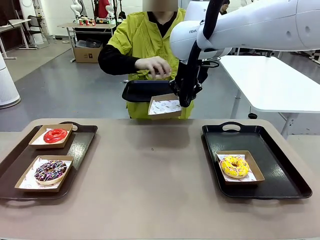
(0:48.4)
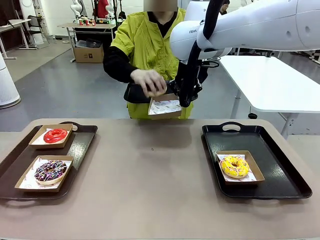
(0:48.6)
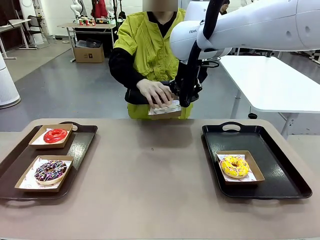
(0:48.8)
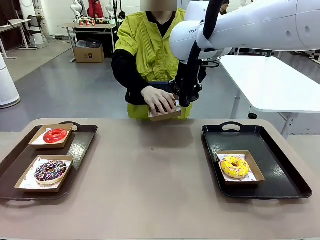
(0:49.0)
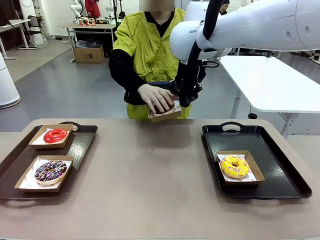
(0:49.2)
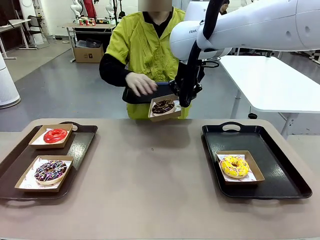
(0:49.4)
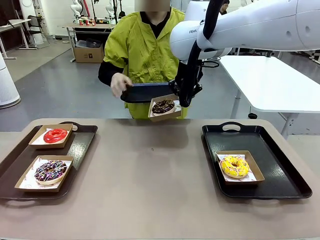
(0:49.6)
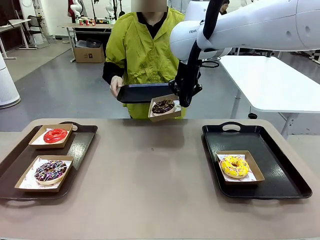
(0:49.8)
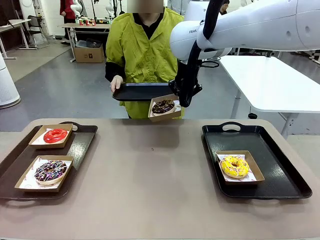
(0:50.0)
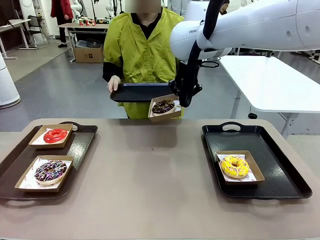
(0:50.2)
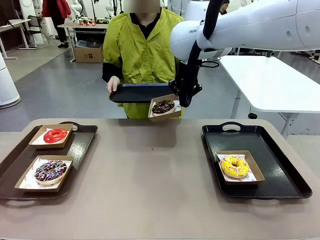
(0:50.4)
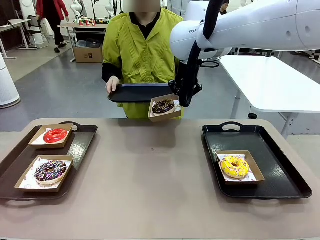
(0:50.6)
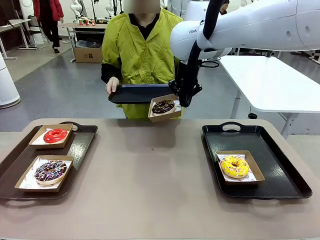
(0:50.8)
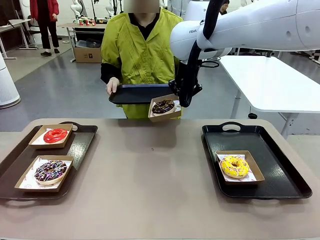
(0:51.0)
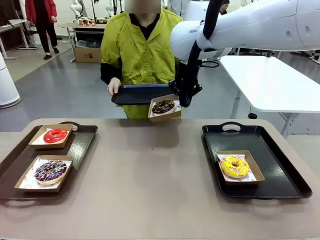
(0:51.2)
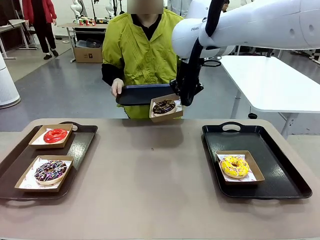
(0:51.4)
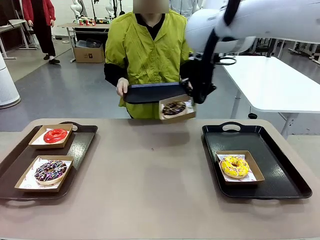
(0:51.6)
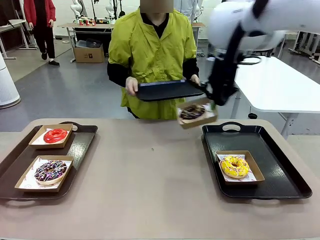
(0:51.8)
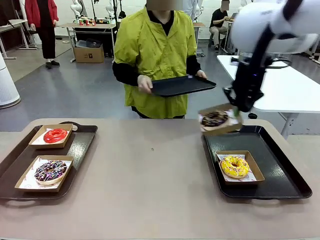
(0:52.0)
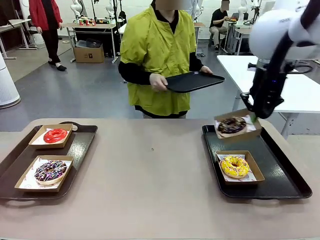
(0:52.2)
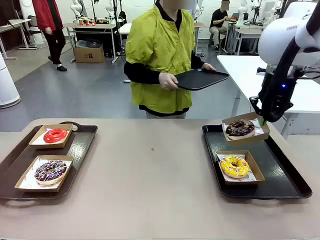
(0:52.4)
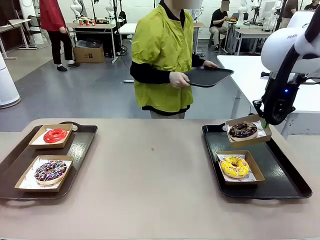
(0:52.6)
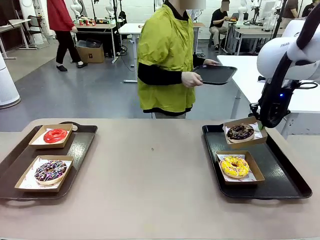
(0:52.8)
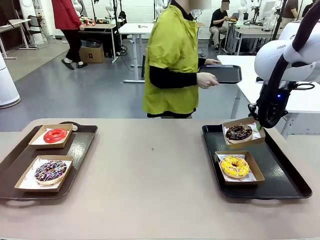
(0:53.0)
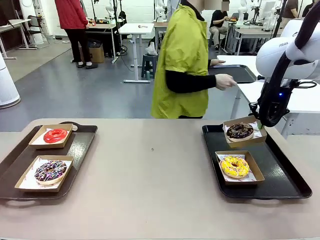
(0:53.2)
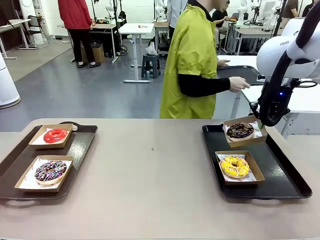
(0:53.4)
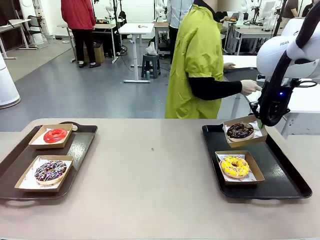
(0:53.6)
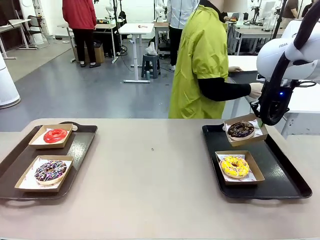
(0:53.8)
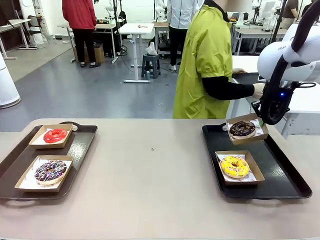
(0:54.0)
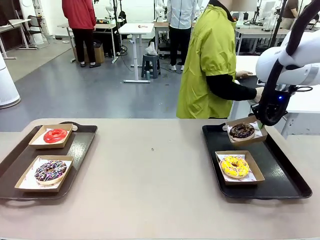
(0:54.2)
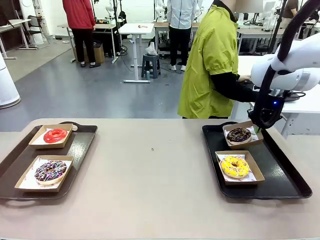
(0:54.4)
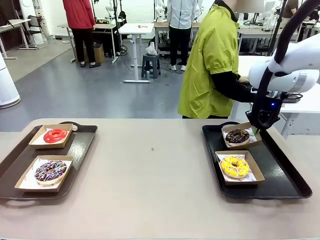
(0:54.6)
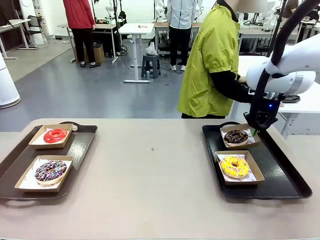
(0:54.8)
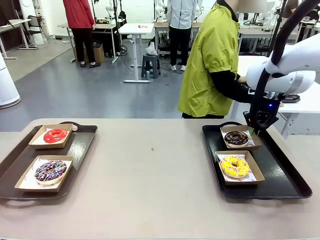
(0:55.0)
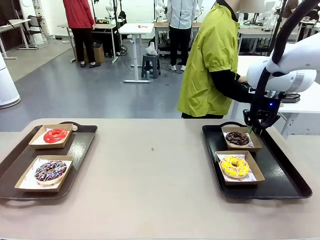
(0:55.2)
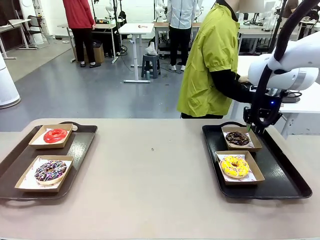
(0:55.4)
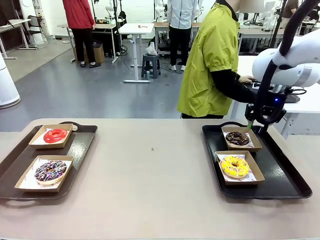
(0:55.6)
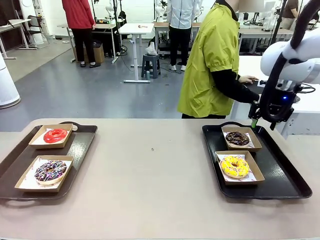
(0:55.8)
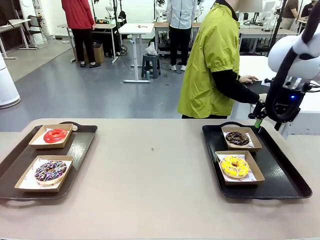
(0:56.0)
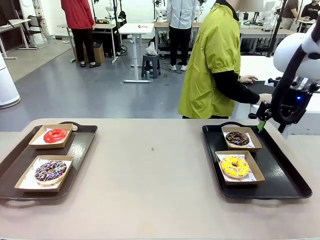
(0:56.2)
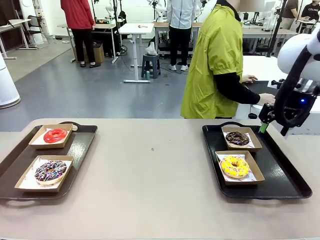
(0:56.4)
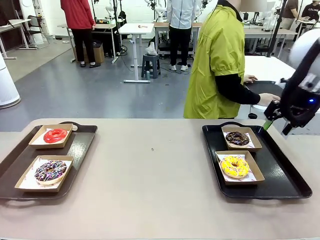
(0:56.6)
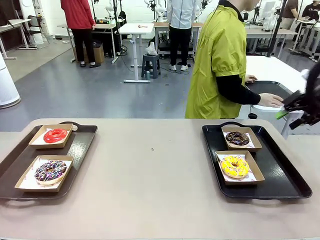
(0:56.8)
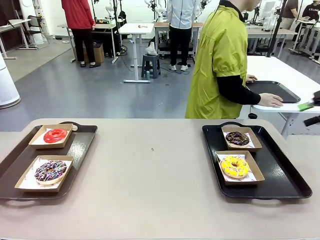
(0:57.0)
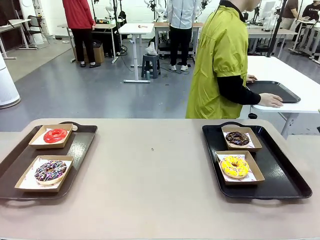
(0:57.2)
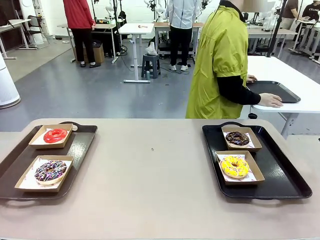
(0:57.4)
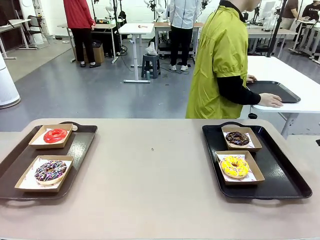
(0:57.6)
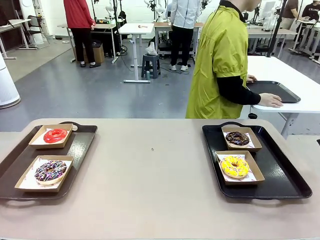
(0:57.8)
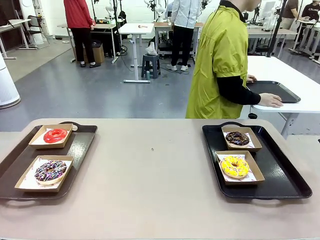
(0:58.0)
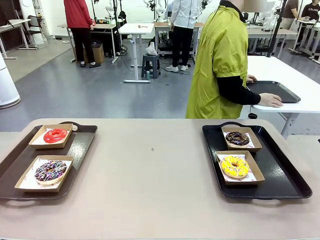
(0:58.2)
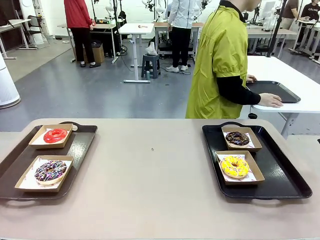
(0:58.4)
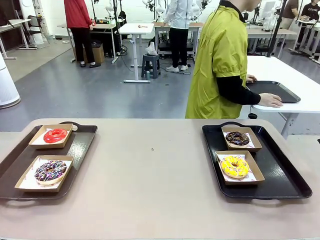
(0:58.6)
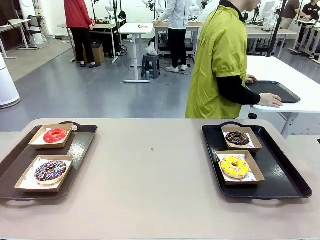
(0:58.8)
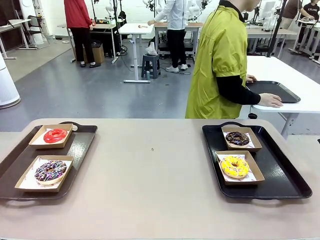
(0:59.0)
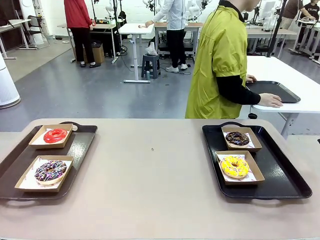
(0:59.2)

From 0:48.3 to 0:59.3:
Task: Individually package the donuts and arrange them on the tray.
Robot: Place the picked Paper togo box on the Handle tray.
Person: Place the tray down in the middle of the human table.

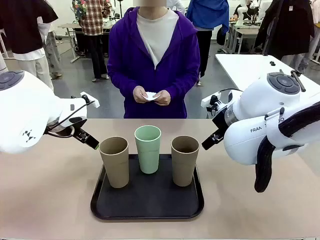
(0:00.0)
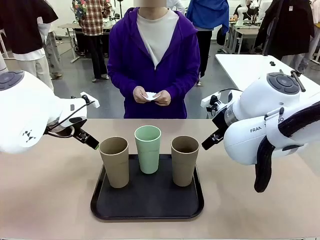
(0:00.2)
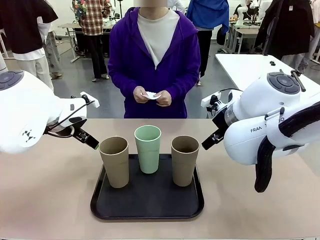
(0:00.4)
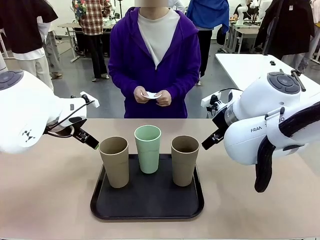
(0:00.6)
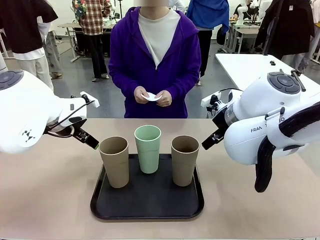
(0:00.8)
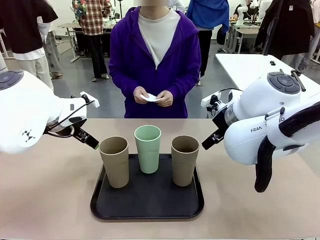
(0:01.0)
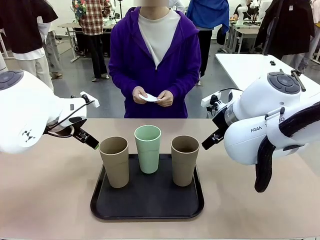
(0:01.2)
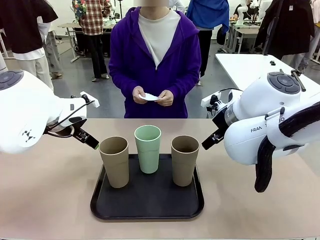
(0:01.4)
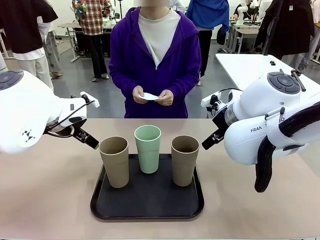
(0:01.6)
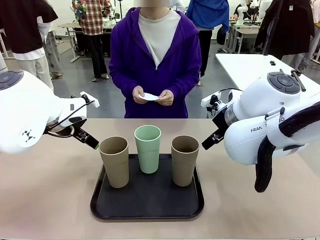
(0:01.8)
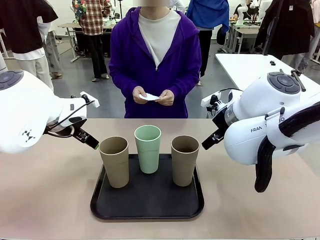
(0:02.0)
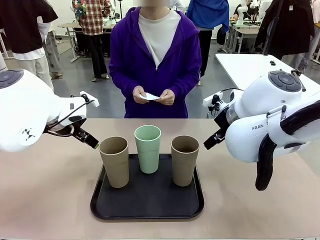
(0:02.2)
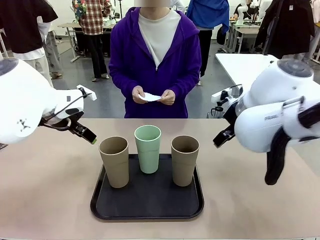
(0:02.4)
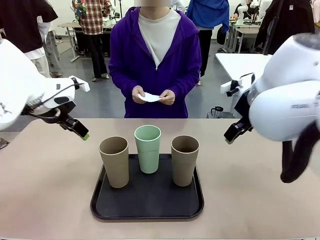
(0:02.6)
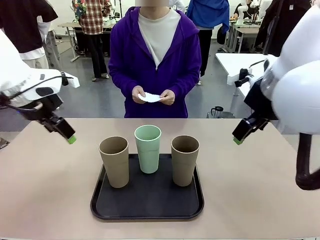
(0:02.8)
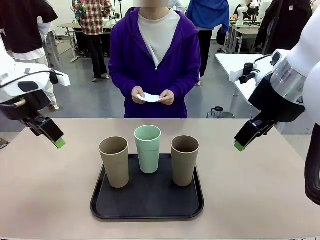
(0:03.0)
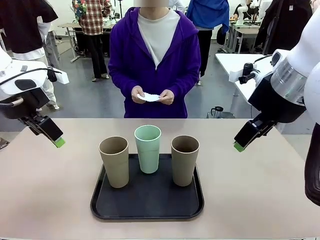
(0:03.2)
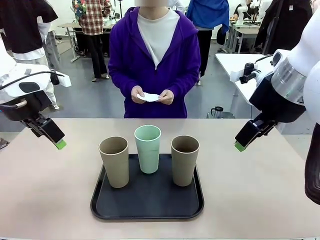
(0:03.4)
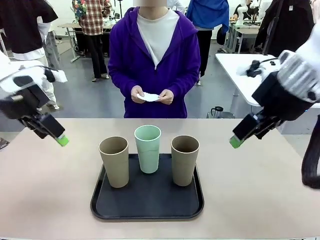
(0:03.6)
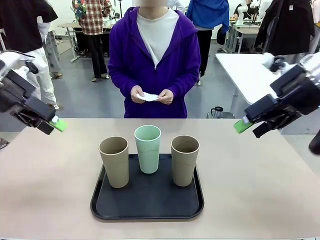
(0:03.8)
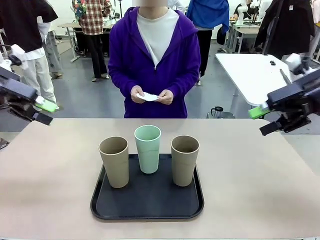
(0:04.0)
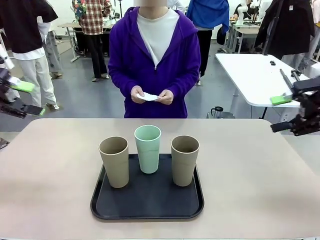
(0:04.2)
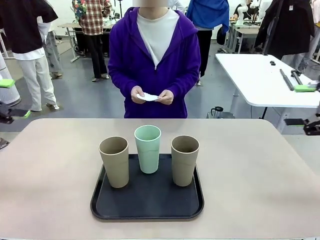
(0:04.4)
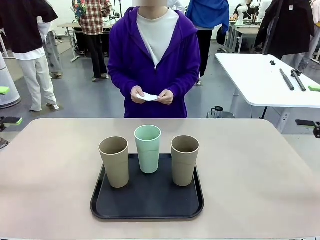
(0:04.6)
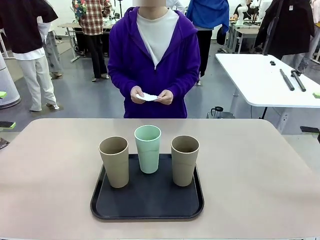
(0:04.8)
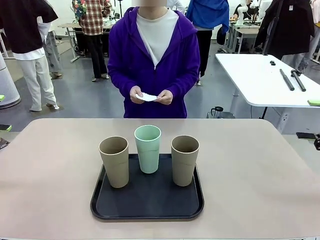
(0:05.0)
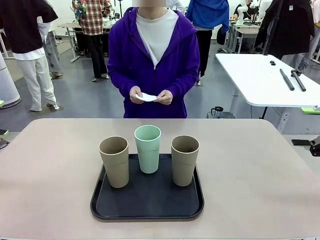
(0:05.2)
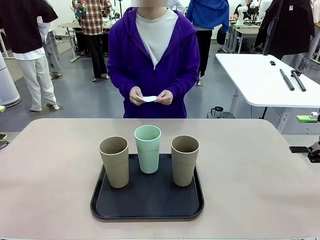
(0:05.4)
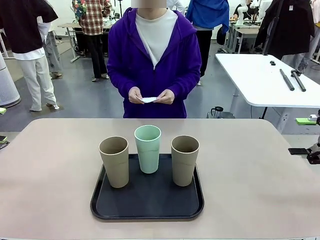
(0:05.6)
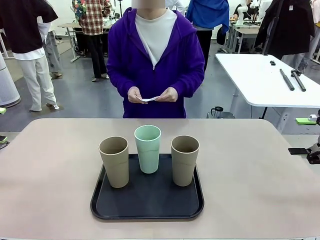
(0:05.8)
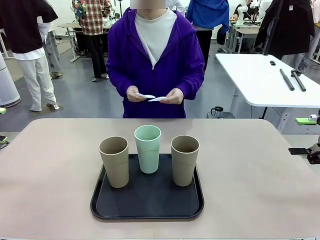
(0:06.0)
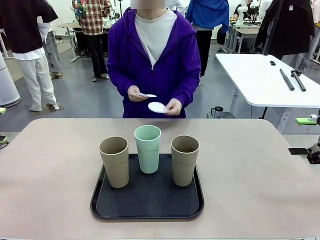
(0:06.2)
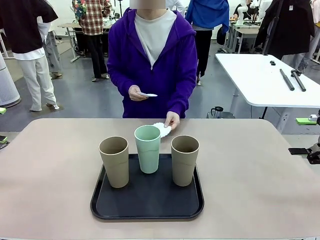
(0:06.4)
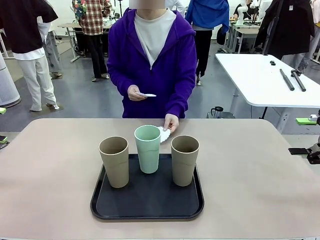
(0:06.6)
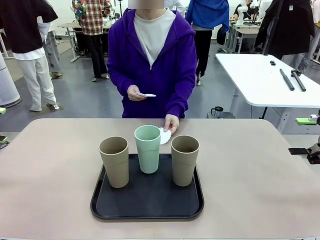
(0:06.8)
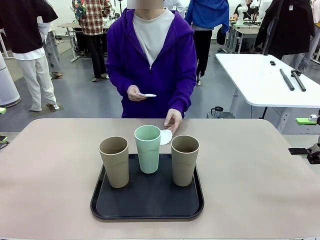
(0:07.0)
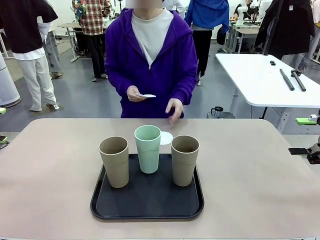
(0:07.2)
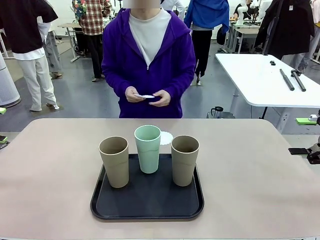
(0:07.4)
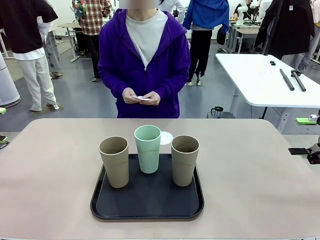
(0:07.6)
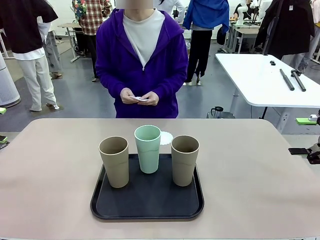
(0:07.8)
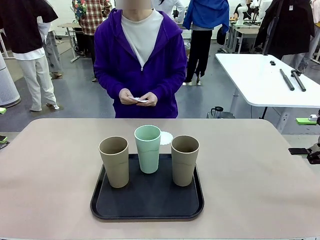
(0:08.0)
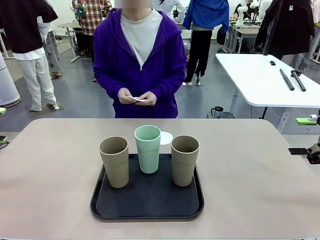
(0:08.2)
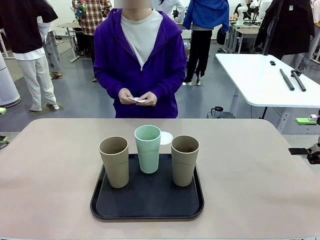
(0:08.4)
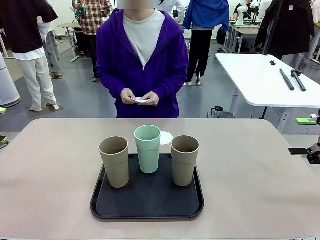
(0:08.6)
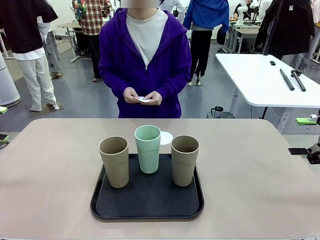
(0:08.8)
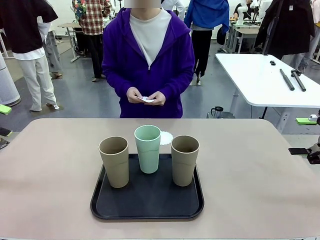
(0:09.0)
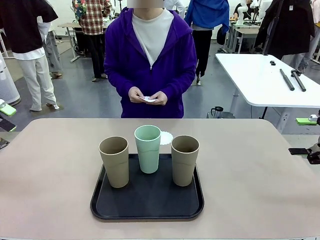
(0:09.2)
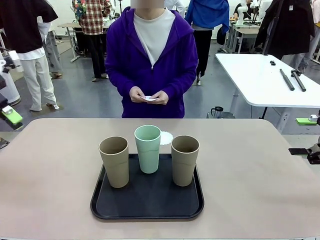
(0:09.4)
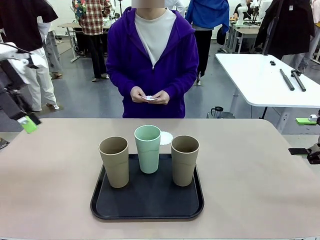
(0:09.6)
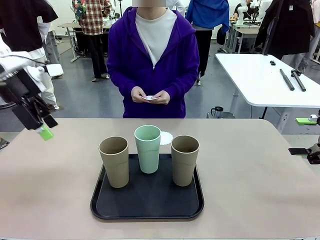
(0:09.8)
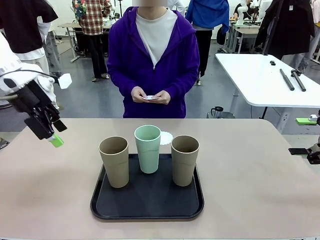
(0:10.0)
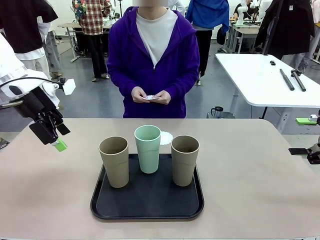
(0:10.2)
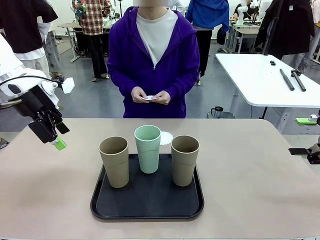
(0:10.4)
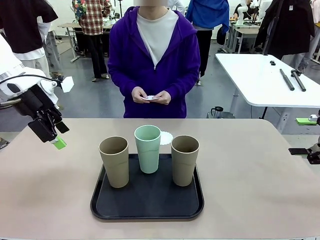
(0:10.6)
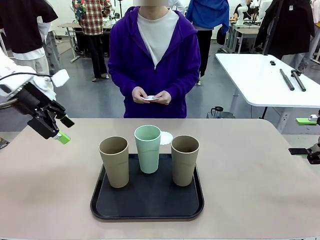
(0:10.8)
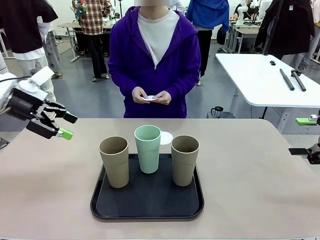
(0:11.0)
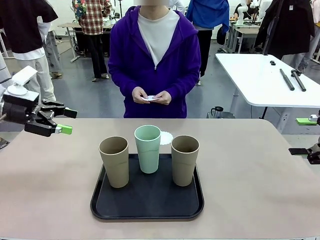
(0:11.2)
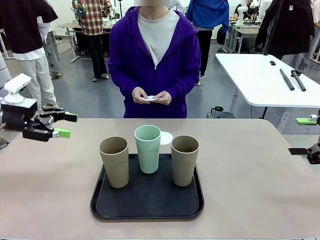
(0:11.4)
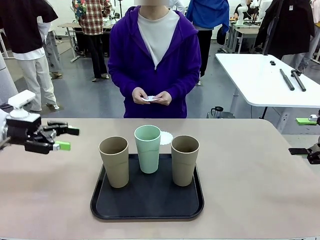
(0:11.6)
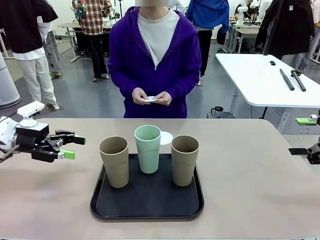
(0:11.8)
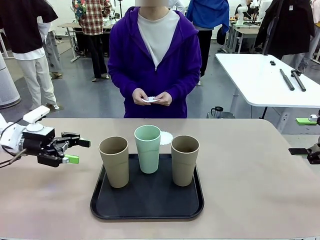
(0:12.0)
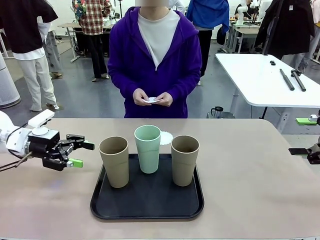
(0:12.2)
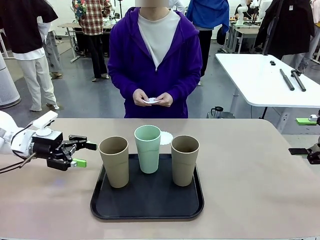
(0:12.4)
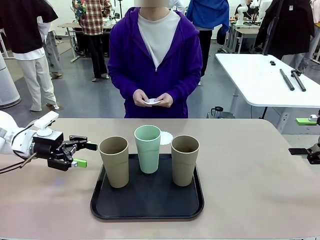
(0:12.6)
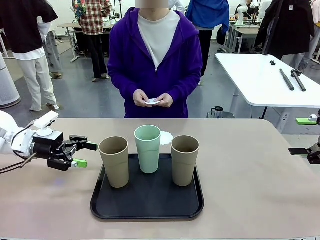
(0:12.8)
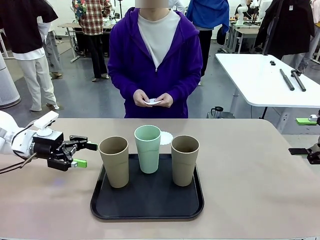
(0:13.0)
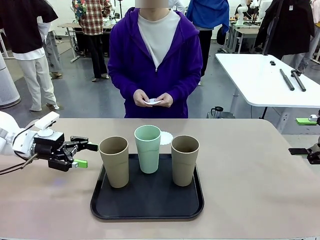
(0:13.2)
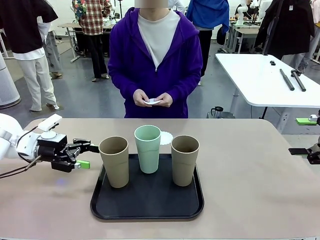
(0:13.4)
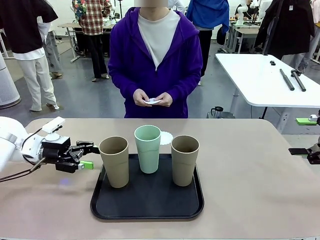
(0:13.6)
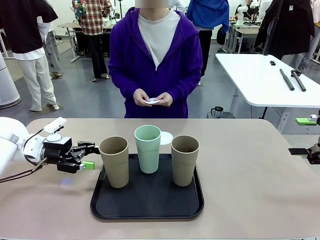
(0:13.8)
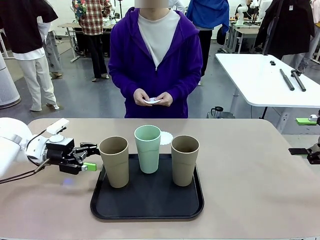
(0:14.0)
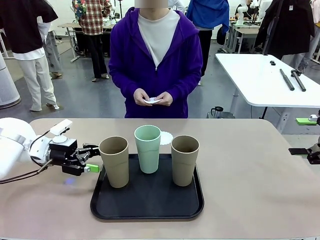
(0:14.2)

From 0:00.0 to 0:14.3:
Task: Place coasters on the table and set cups on them.
Robot: Pick up one Reusable plastic cup and place it on a coaster set by the human.
Person: Place one coaster in any one of the three lower areas of the robot table (left, center, or right).
